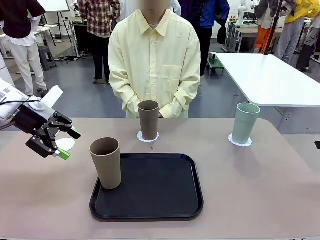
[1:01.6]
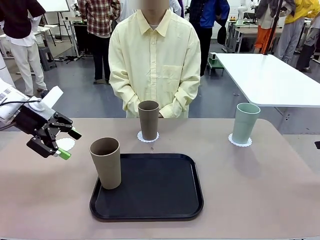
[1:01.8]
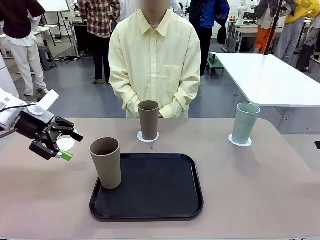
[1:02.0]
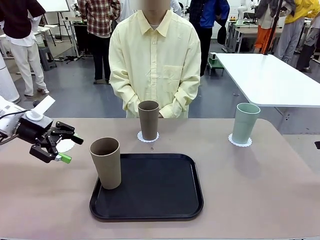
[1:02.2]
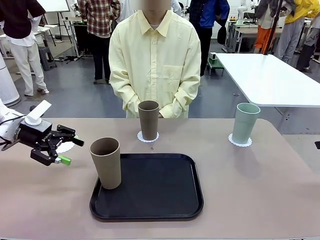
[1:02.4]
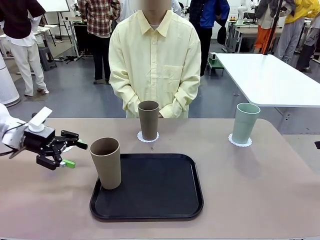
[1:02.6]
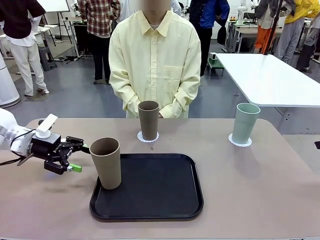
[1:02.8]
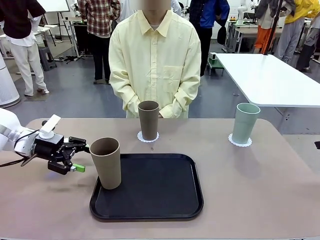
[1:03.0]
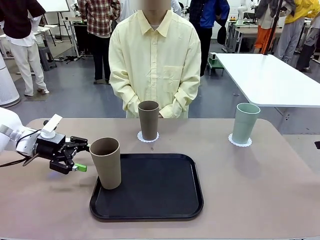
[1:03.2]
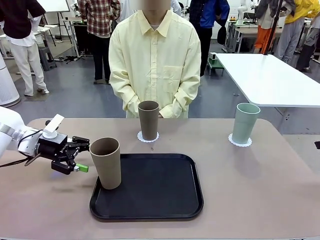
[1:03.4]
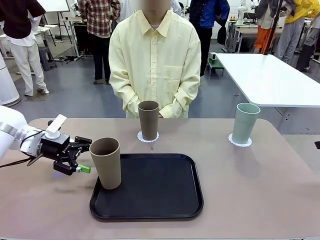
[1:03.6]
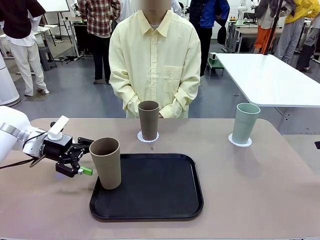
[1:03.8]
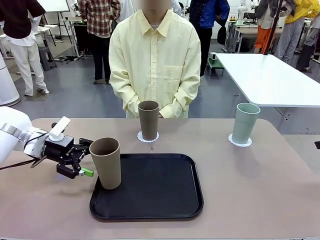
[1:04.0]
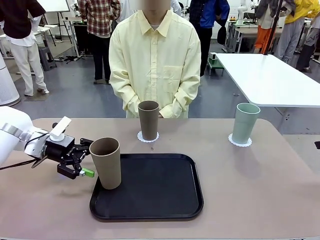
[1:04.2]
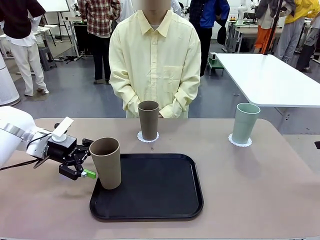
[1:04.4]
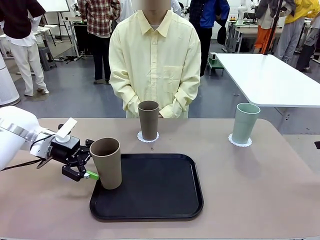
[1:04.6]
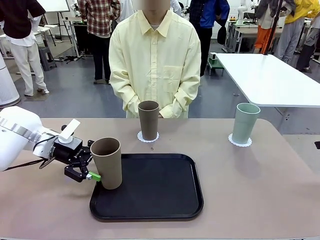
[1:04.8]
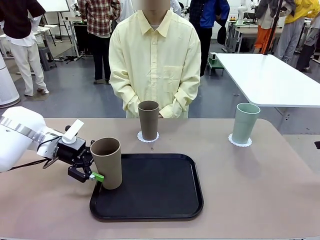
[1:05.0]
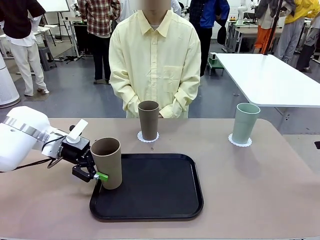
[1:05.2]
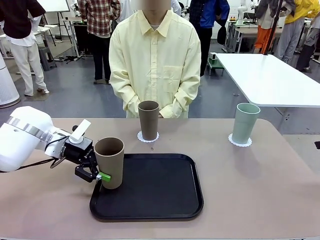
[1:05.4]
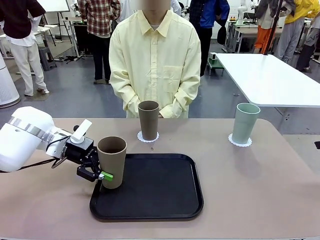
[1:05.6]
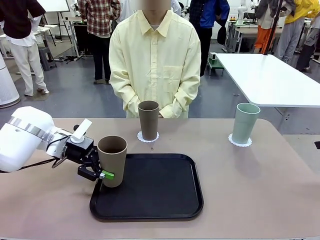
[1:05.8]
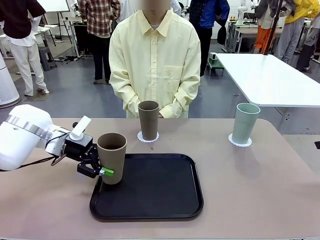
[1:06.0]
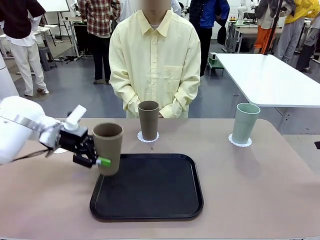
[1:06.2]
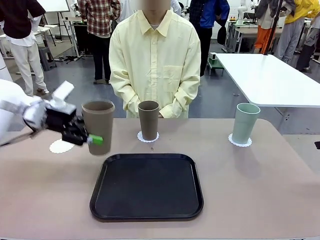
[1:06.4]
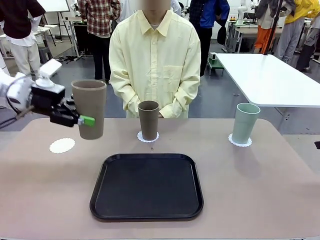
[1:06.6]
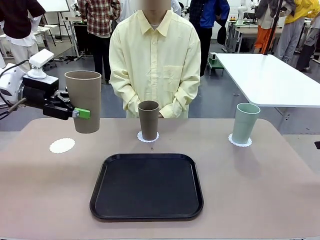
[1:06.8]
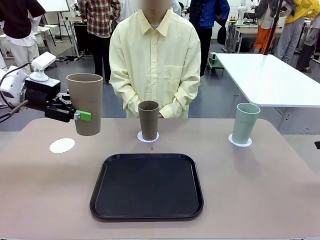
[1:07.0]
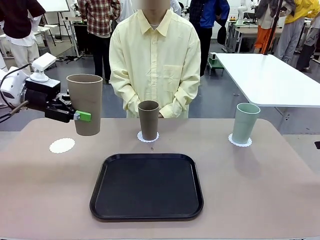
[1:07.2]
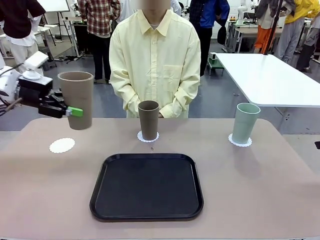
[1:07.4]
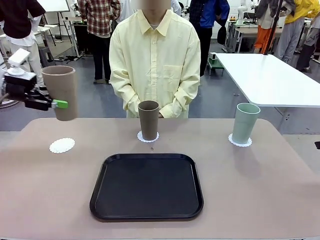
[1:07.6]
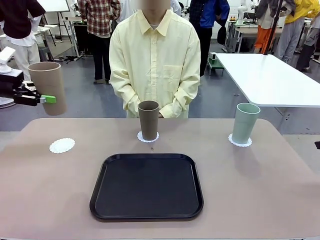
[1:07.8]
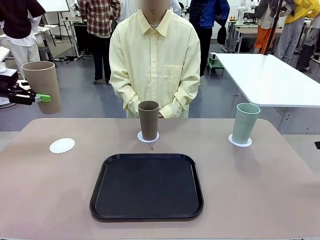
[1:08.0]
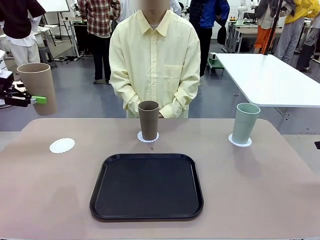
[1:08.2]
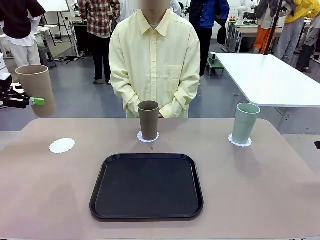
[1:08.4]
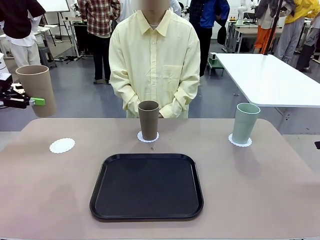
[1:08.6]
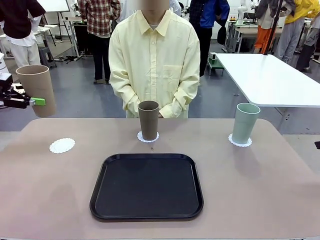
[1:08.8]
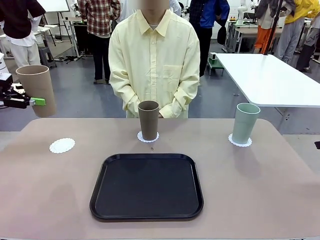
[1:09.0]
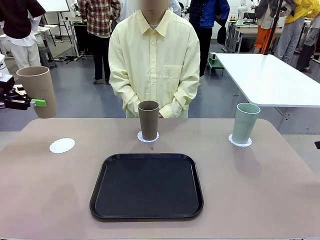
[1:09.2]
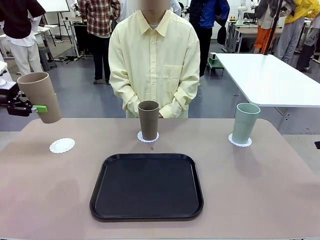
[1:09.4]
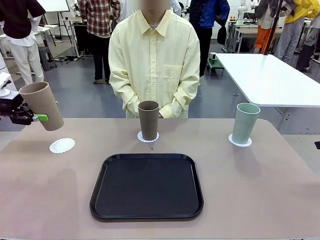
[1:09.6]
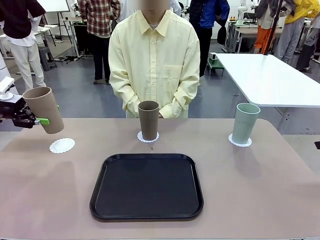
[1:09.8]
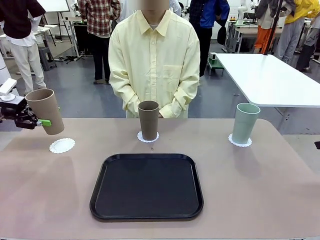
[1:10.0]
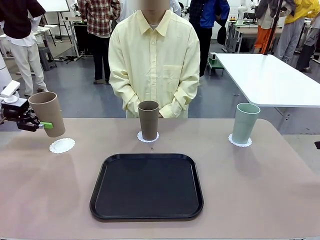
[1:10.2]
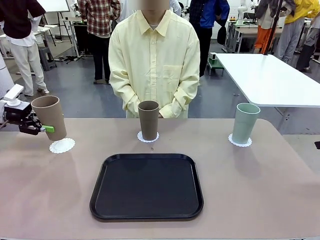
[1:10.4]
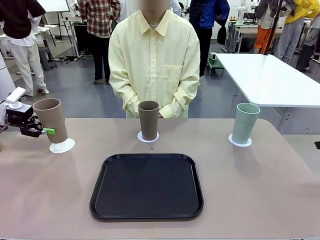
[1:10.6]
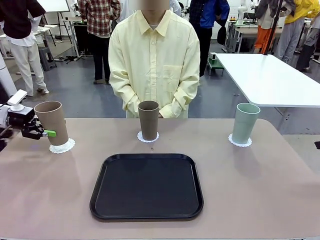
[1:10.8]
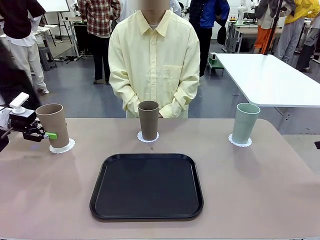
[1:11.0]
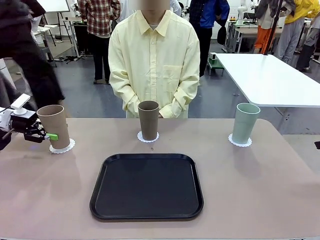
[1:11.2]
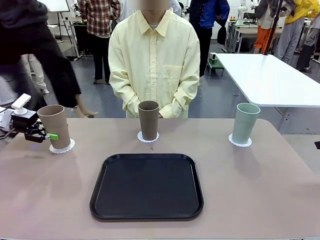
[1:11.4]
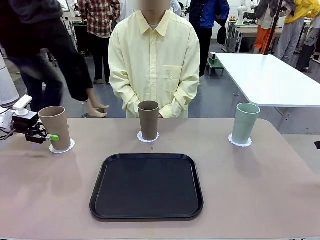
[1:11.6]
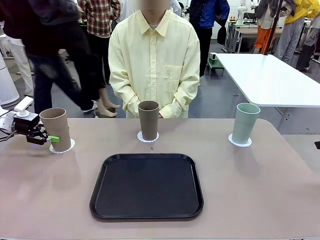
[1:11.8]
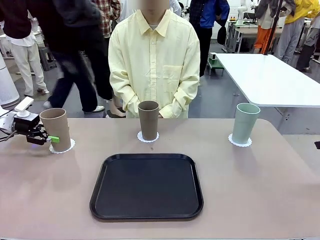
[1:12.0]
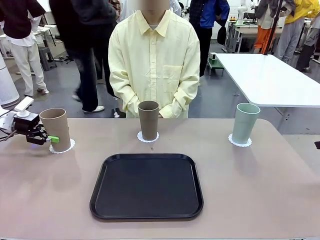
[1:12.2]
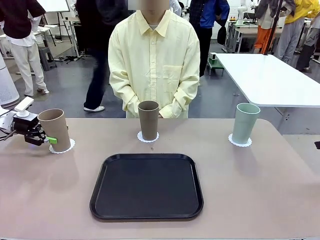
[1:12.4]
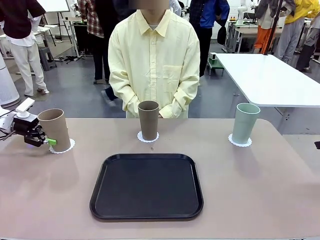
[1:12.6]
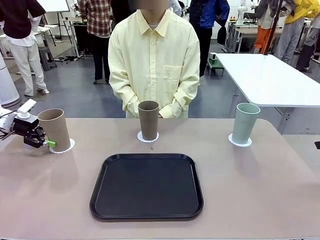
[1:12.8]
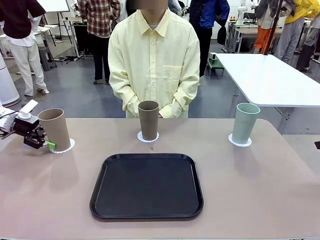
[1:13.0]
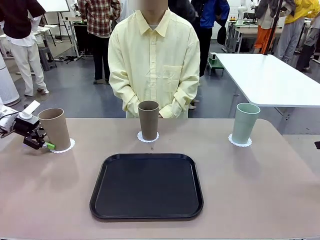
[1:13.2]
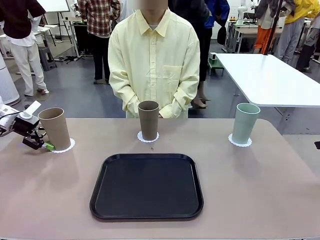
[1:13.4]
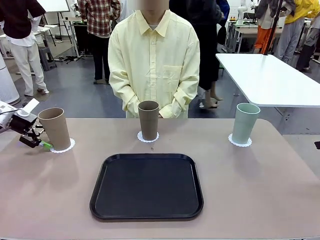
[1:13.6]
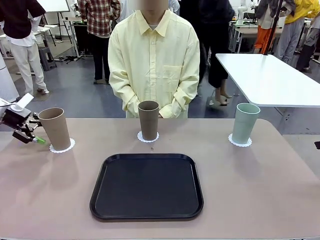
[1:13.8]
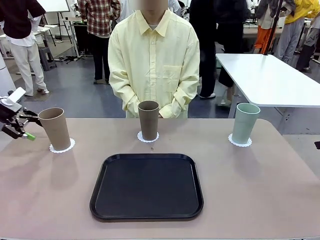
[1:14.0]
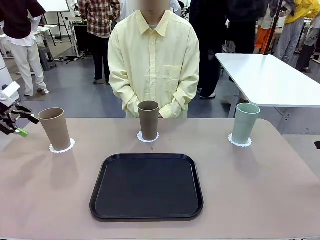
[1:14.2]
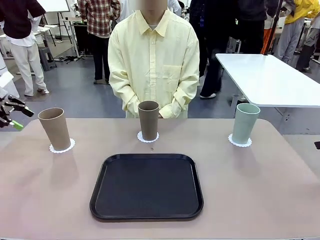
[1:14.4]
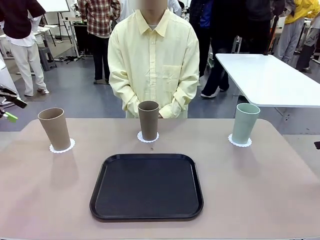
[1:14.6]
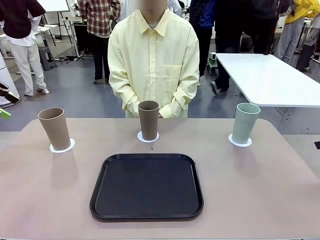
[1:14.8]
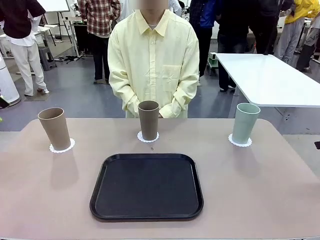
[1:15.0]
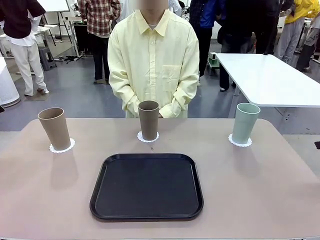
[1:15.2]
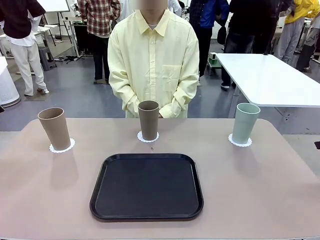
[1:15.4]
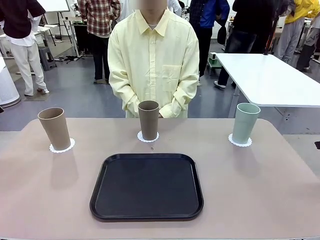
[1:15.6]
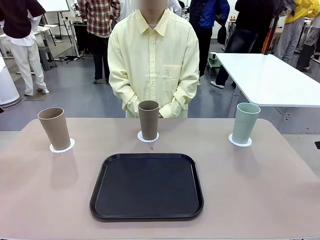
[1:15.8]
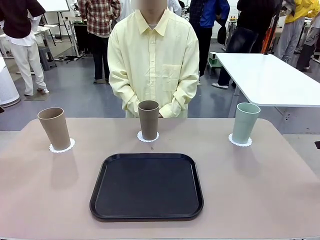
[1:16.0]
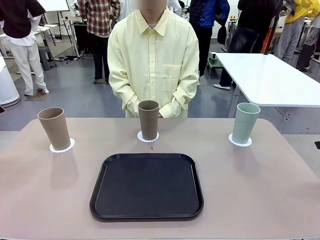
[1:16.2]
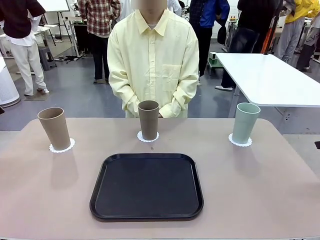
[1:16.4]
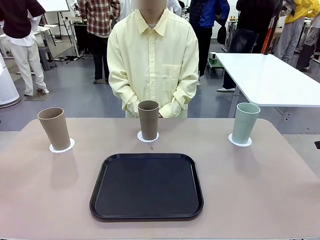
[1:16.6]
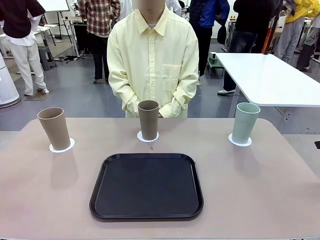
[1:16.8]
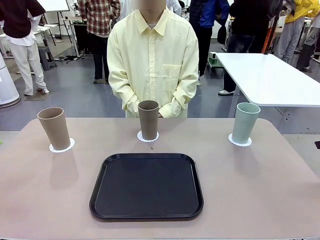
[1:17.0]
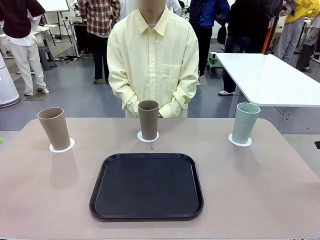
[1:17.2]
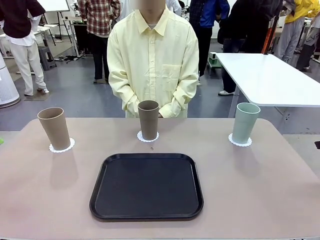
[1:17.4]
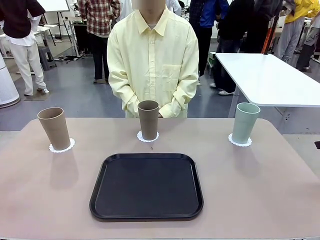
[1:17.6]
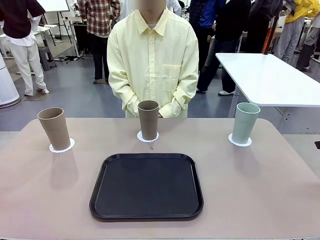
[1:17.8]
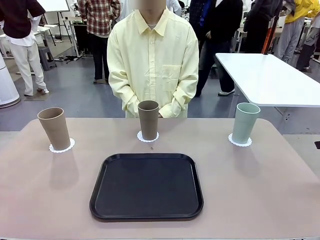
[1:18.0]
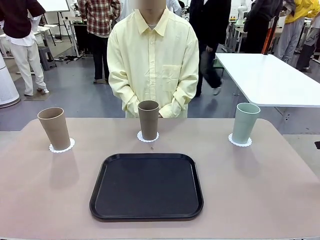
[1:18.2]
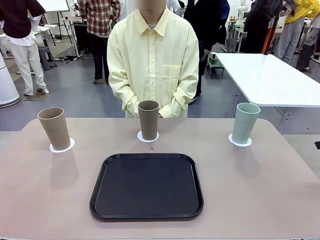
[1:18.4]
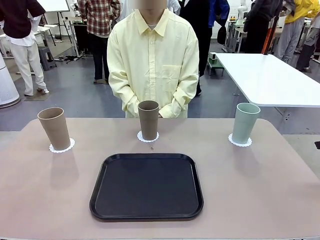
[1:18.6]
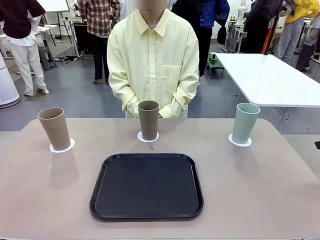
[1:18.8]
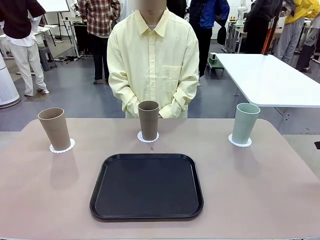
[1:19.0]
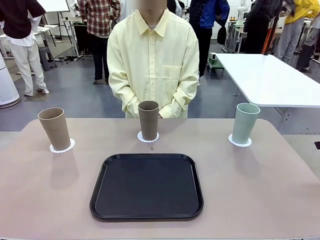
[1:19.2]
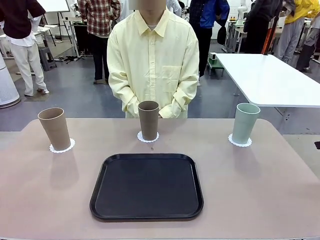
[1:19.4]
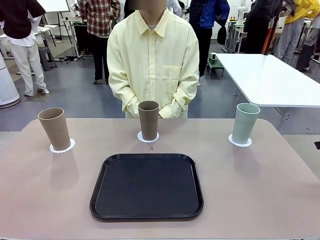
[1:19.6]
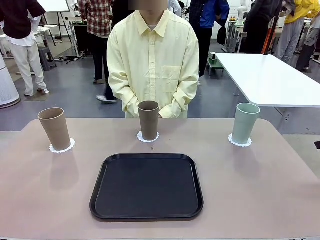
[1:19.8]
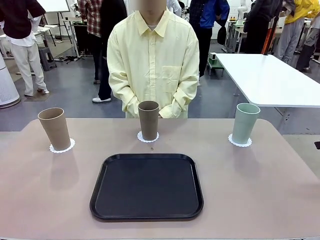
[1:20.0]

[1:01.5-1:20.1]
Task: Place coasters on the table and set cups on them.
Robot: Take one Reusable plastic cup from the Flat Tray and place it on a coaster set by the human.

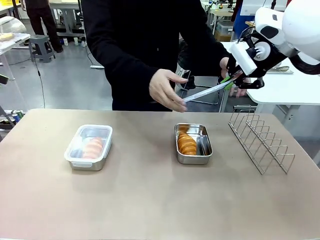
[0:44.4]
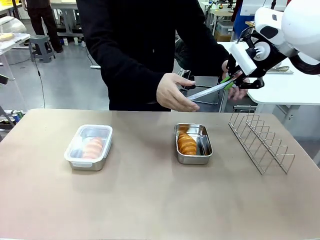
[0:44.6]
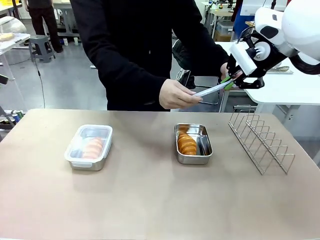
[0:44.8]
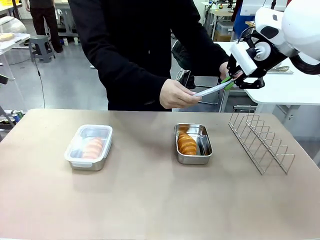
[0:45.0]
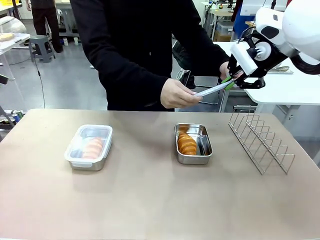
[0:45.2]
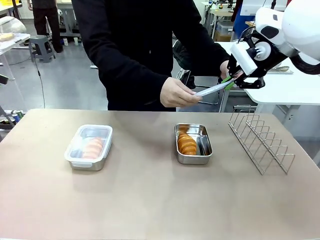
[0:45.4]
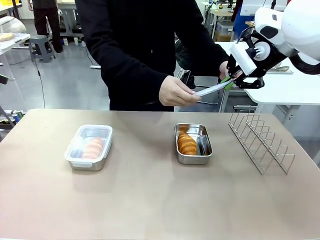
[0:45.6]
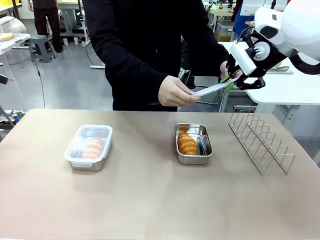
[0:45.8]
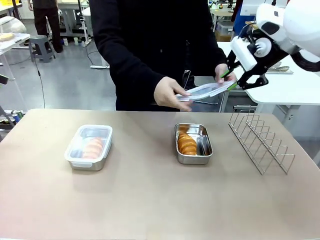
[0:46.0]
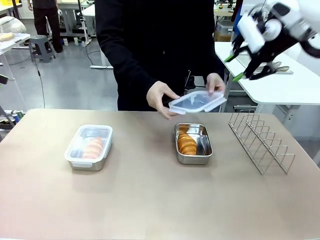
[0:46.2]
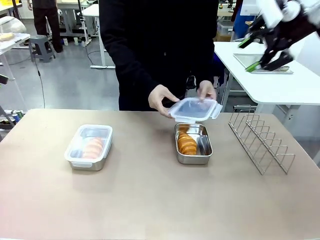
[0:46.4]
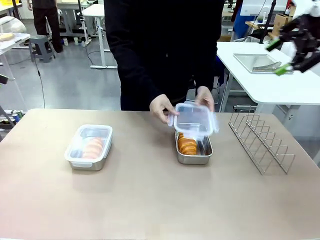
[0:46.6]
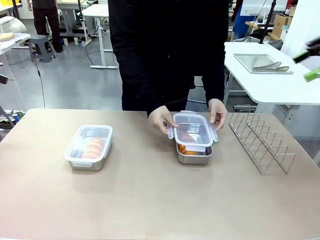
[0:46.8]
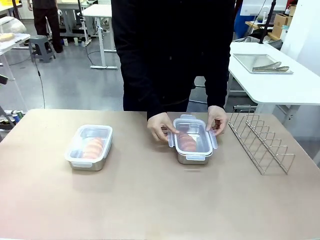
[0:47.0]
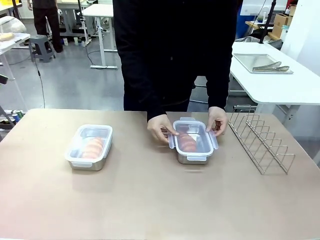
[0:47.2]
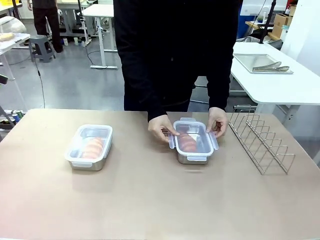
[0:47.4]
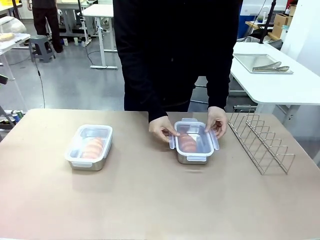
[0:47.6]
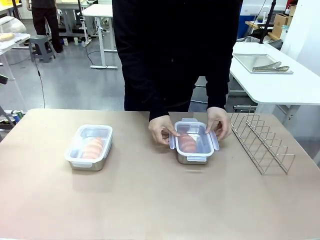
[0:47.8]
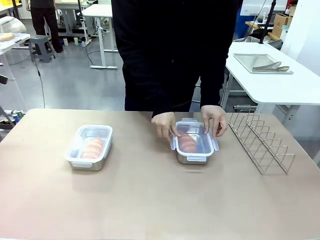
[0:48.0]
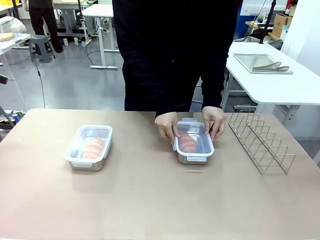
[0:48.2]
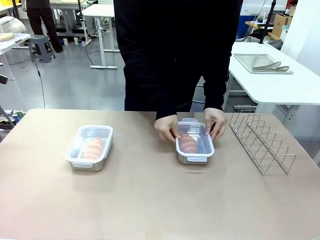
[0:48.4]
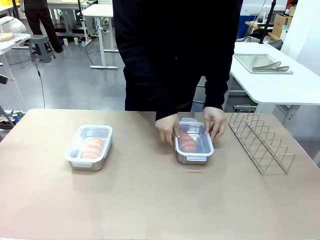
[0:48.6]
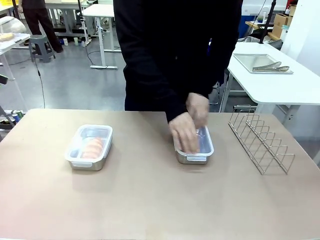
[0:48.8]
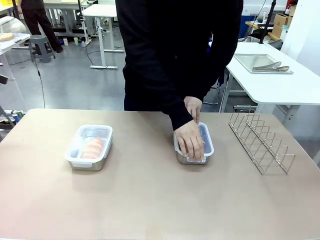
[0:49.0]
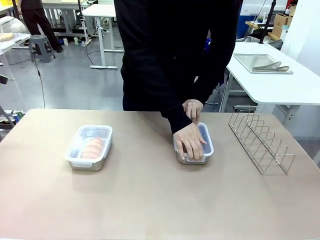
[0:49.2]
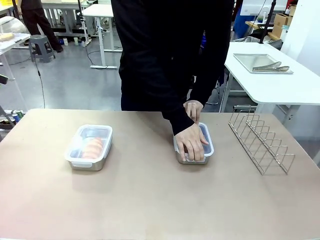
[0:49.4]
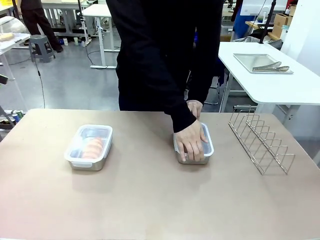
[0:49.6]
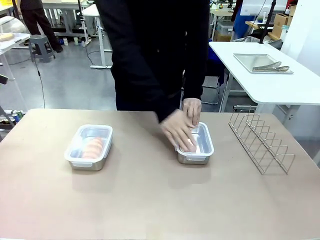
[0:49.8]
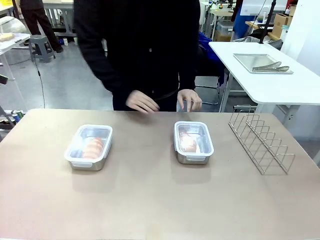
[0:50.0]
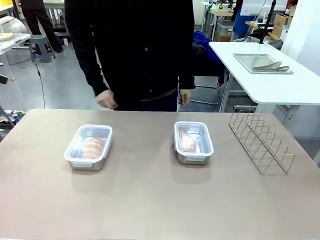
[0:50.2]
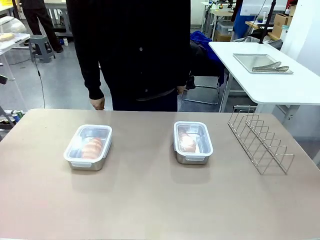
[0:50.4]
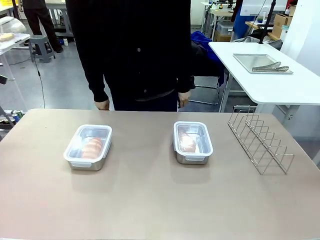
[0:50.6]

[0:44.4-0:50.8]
Task: Place the bread in airtight containers.
Robot: Release when the human grabs the Airtight Container lid.
Person: Close Airtight Container with a handed Airtight Container lid.
